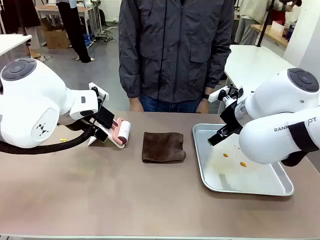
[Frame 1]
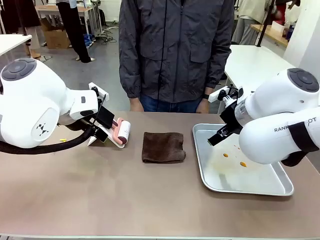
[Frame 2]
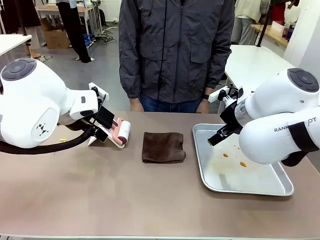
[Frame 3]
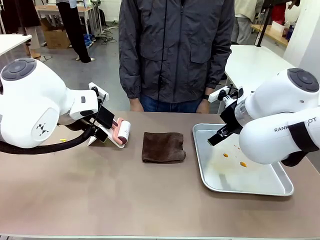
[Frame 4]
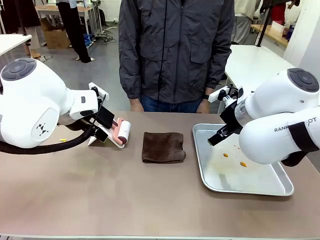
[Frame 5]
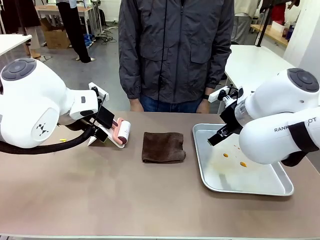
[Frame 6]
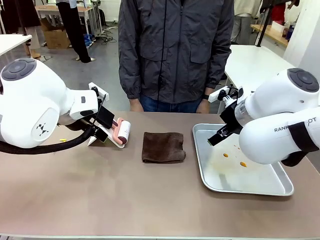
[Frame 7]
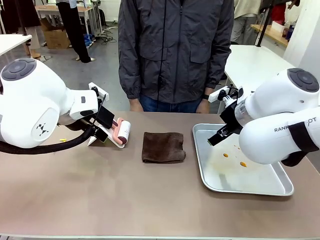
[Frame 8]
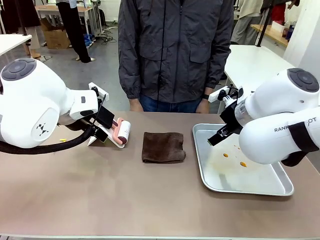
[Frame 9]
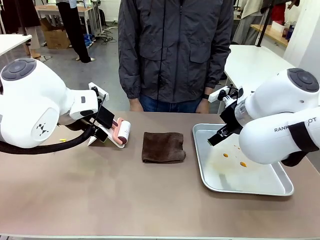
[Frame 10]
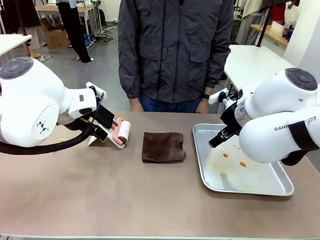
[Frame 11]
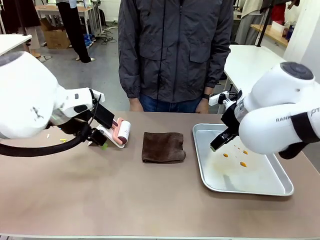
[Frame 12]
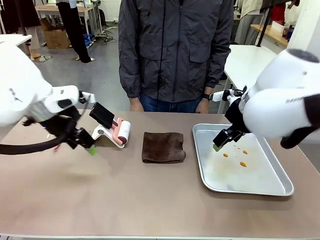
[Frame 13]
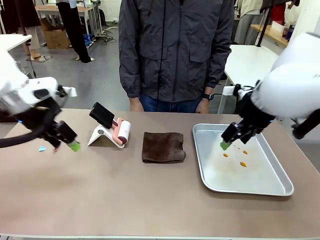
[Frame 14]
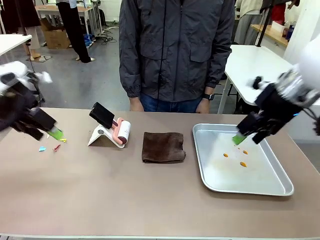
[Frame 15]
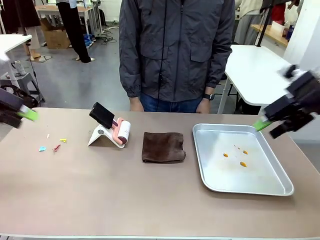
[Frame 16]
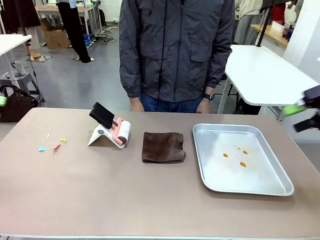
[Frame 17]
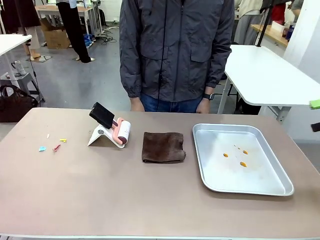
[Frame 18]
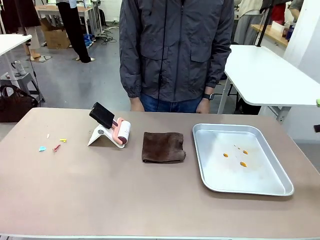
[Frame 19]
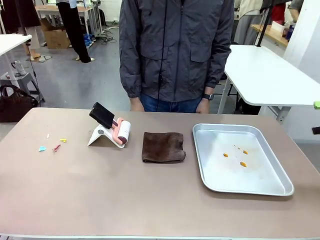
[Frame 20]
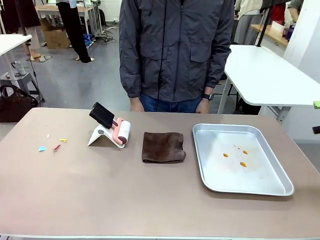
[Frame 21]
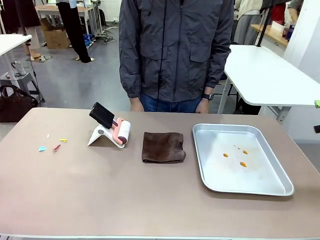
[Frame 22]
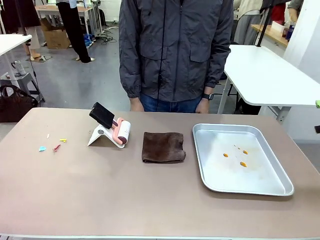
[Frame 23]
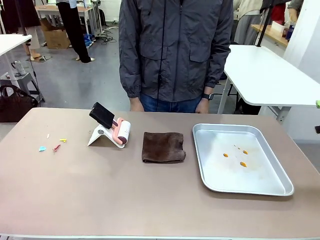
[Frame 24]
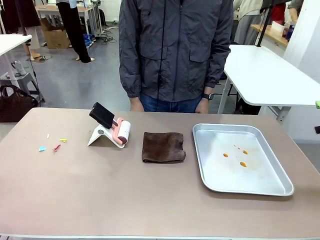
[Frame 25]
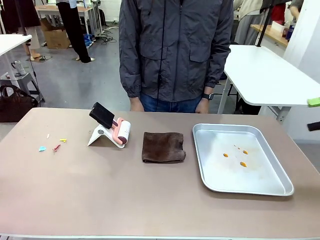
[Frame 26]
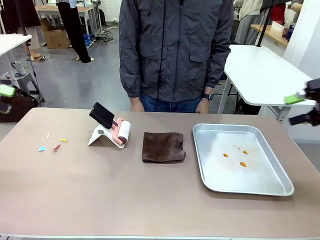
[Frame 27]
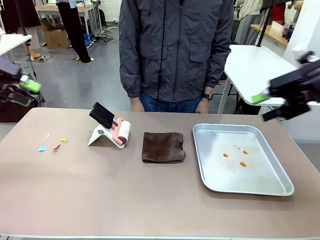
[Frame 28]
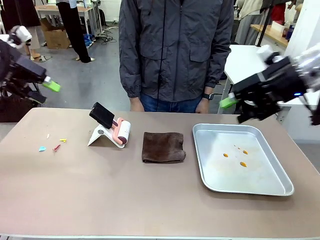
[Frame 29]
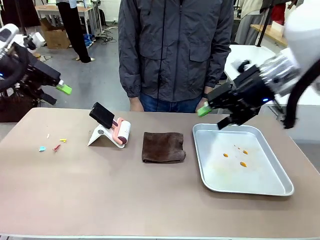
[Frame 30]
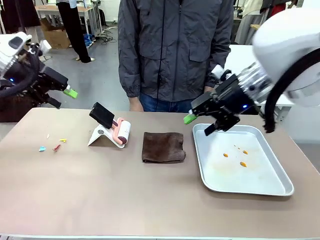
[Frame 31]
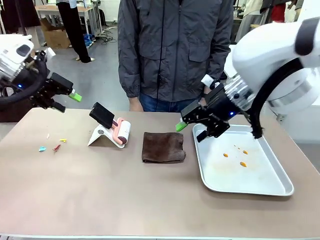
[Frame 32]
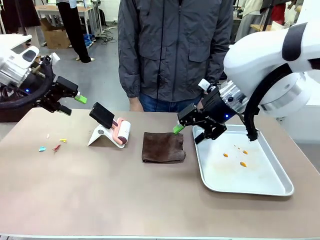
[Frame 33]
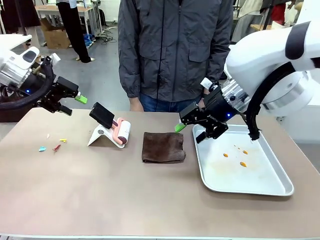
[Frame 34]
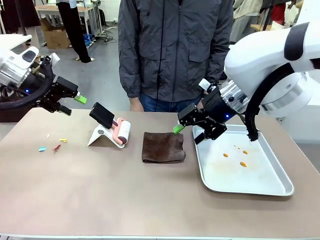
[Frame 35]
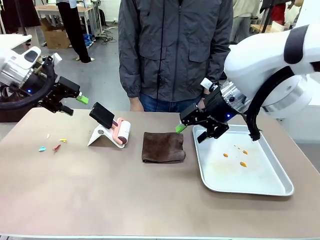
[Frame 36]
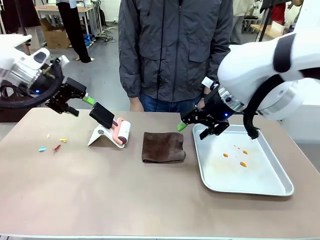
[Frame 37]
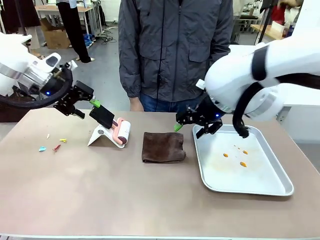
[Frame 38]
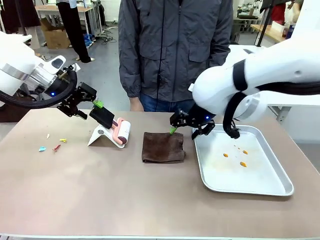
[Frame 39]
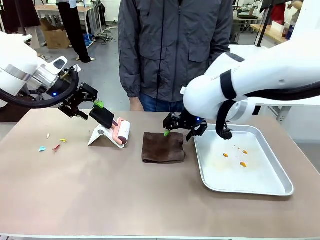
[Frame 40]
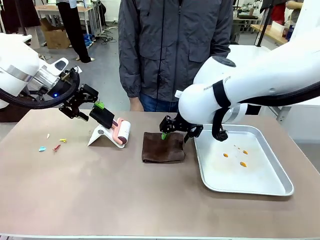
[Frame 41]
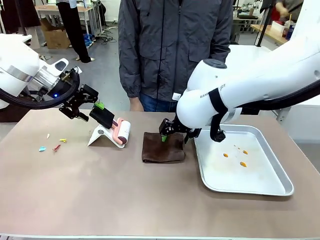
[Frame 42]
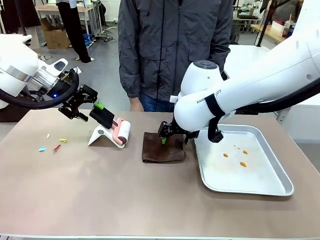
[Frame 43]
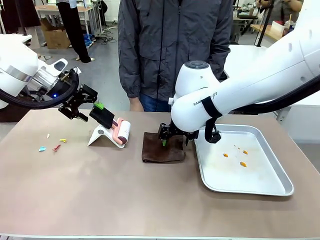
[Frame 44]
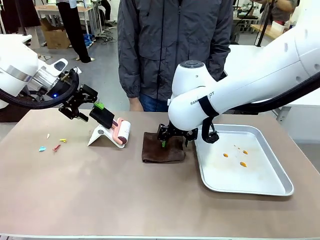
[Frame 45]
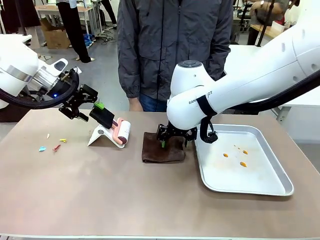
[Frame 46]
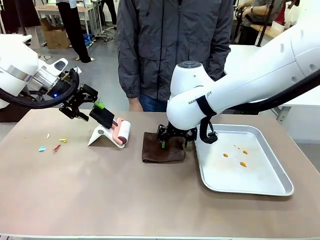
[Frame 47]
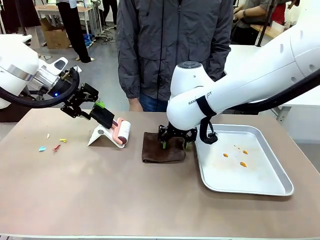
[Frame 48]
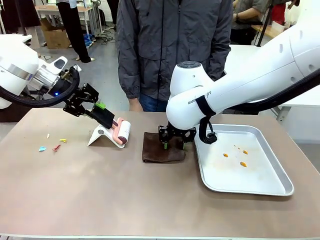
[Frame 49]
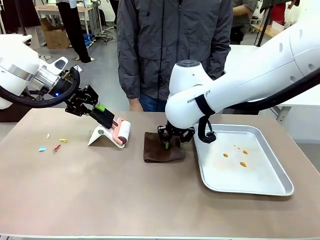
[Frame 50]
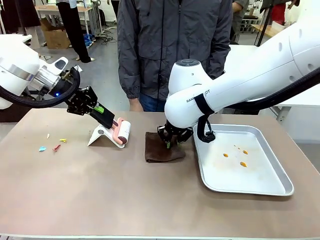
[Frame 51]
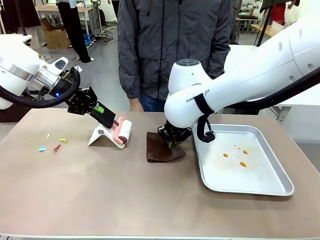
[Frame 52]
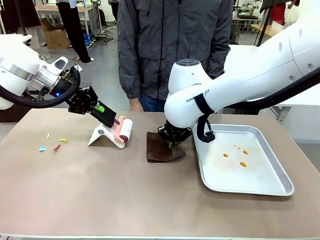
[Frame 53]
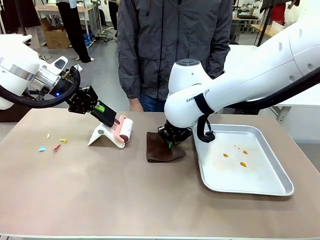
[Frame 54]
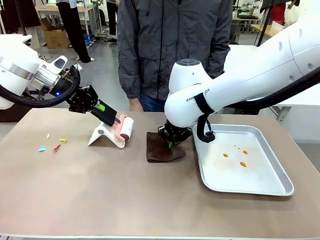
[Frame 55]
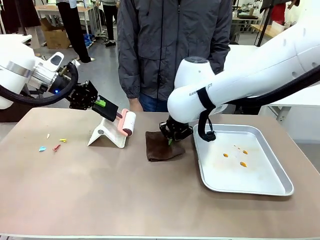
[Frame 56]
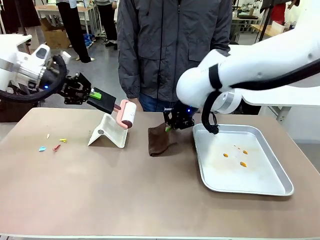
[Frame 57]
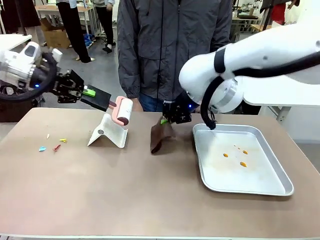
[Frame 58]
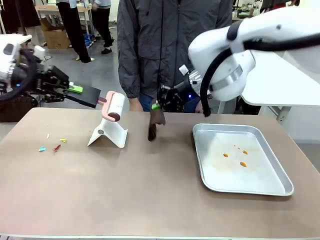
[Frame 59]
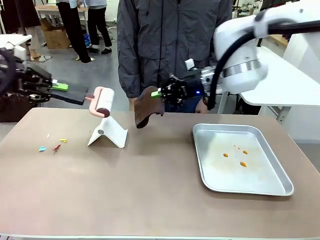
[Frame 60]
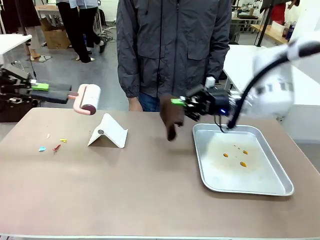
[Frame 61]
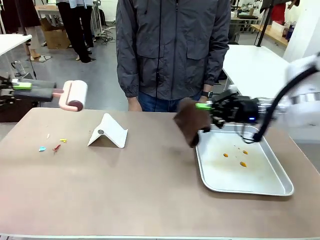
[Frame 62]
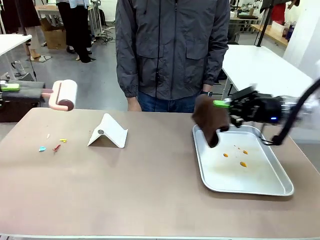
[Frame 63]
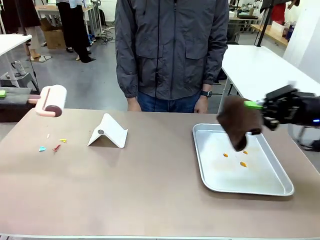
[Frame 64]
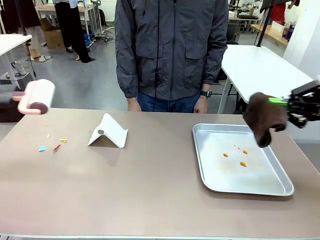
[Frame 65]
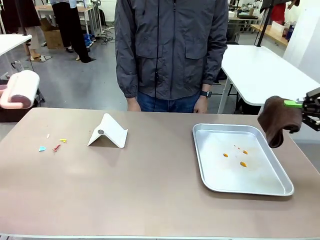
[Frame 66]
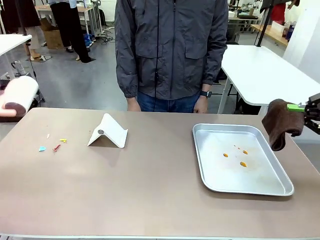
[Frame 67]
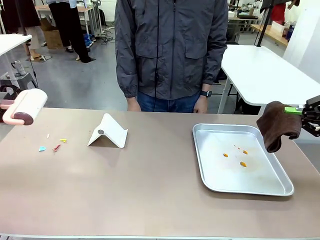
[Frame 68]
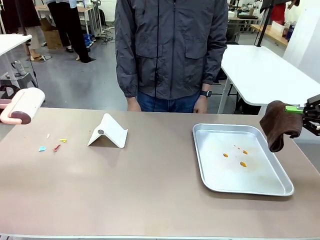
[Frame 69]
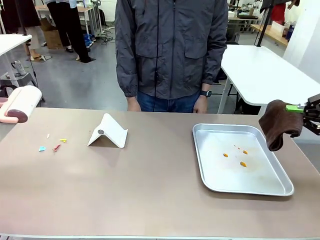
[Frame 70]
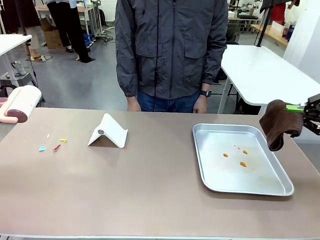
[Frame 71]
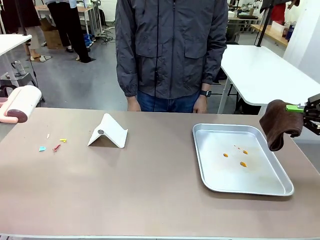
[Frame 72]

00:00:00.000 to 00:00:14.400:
Task: Clean the surface of the table.
Robot: Hold the Lint Roller with your left hand and the towel with your right hand.

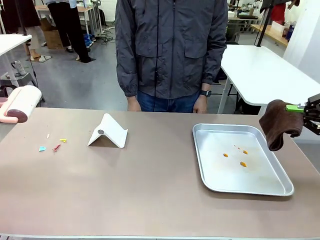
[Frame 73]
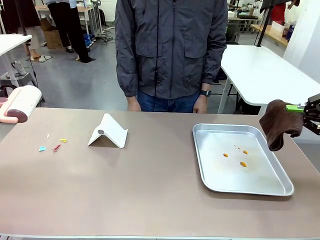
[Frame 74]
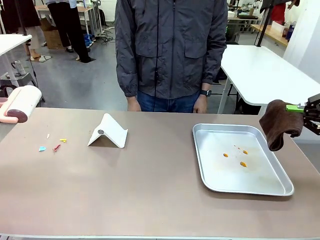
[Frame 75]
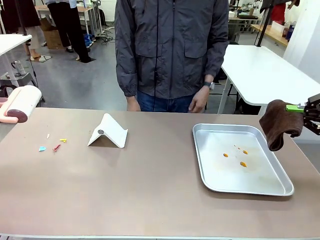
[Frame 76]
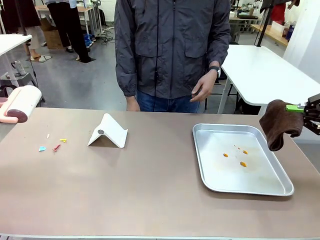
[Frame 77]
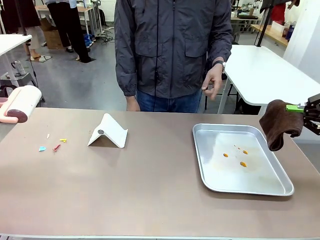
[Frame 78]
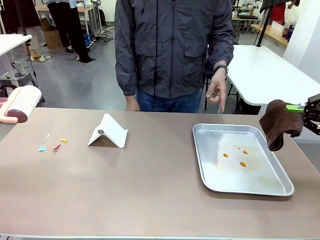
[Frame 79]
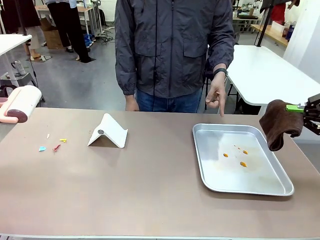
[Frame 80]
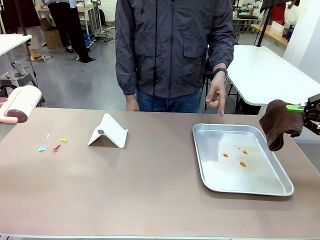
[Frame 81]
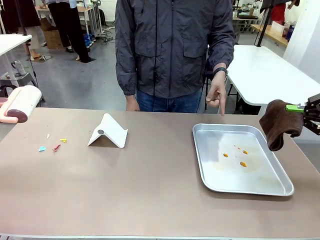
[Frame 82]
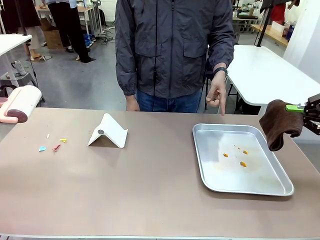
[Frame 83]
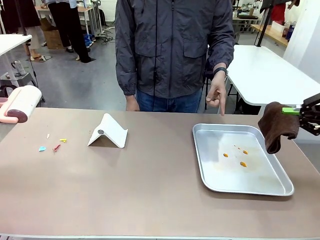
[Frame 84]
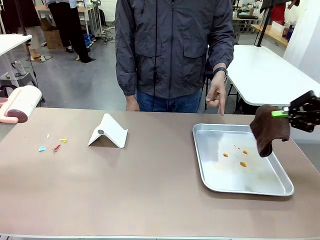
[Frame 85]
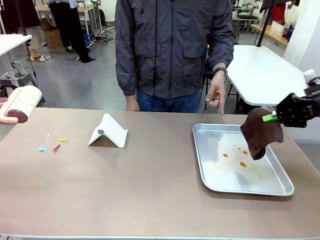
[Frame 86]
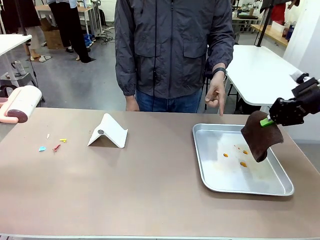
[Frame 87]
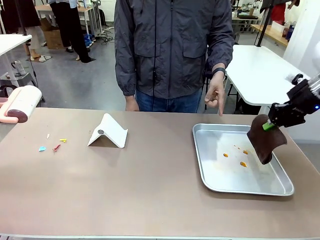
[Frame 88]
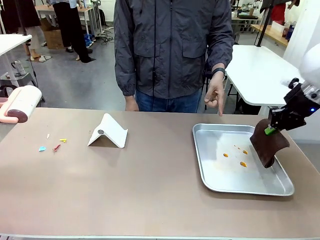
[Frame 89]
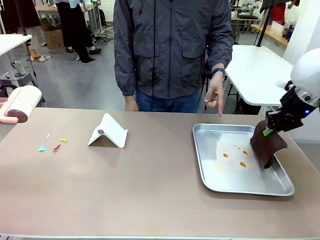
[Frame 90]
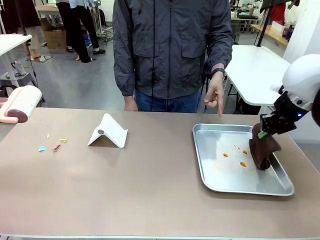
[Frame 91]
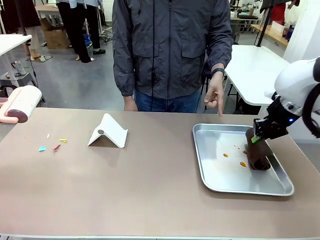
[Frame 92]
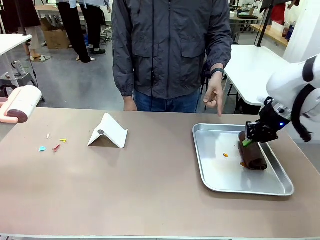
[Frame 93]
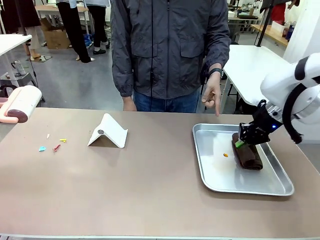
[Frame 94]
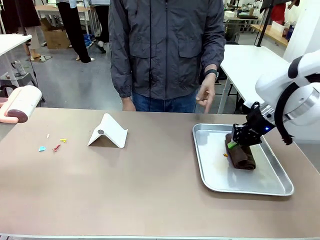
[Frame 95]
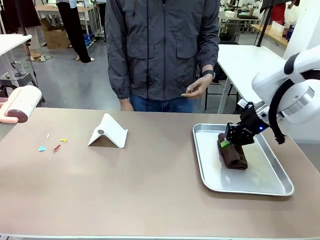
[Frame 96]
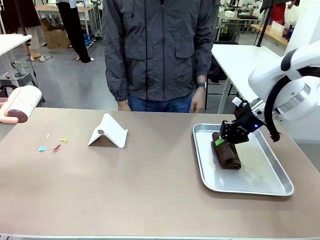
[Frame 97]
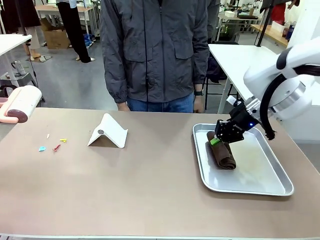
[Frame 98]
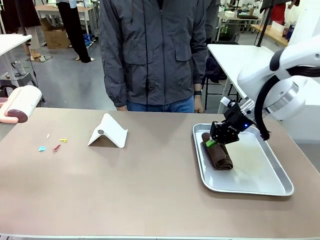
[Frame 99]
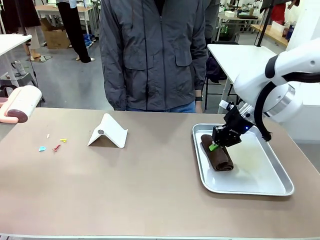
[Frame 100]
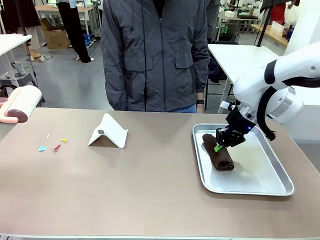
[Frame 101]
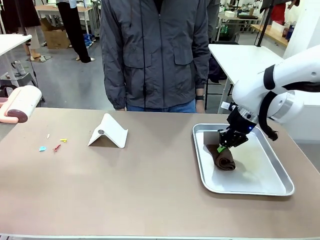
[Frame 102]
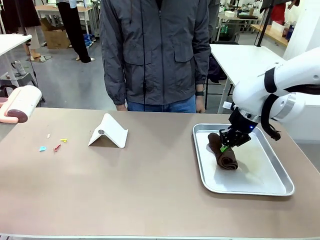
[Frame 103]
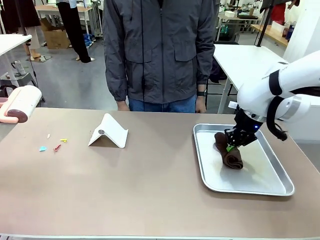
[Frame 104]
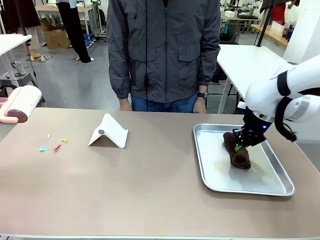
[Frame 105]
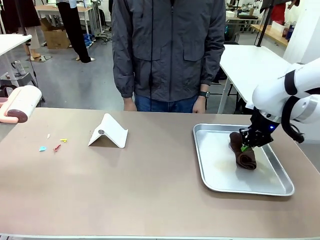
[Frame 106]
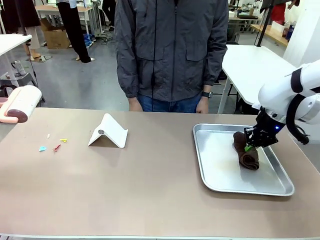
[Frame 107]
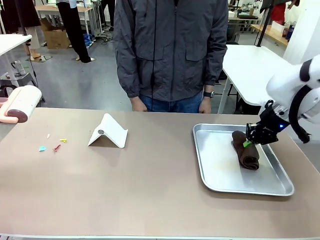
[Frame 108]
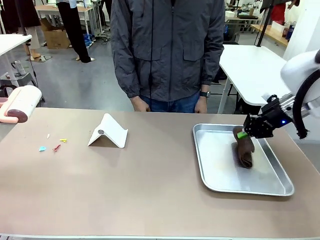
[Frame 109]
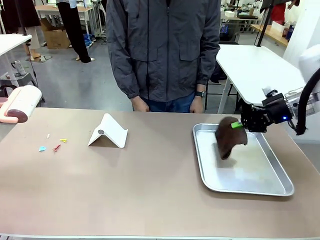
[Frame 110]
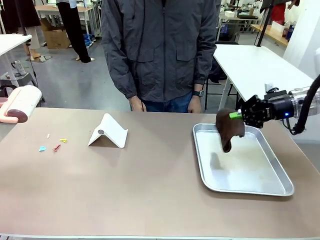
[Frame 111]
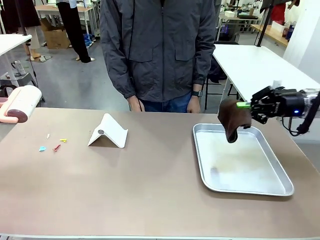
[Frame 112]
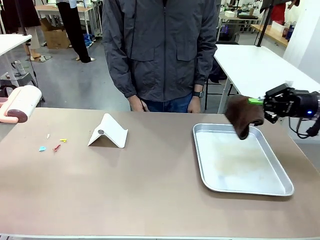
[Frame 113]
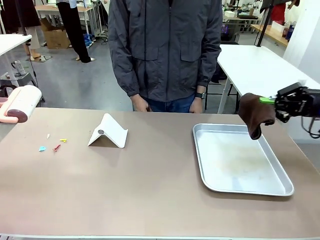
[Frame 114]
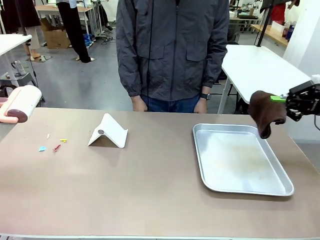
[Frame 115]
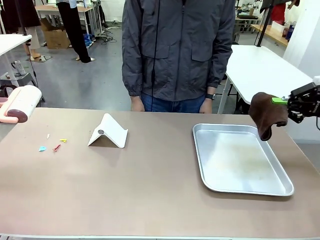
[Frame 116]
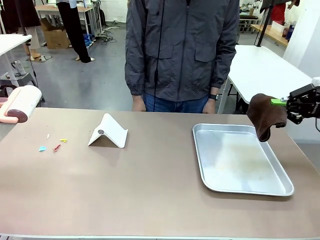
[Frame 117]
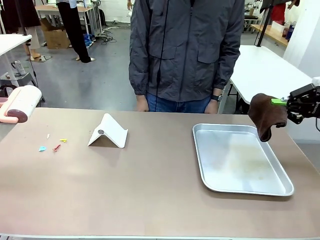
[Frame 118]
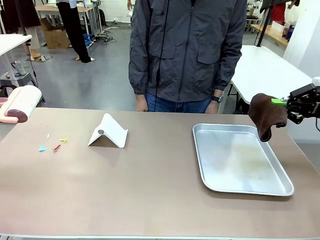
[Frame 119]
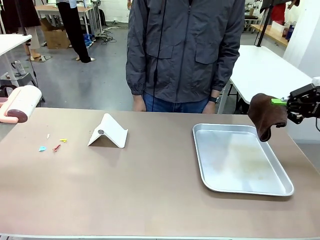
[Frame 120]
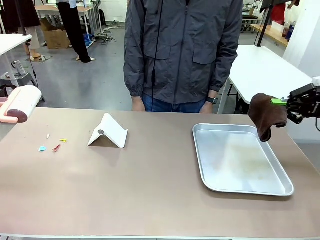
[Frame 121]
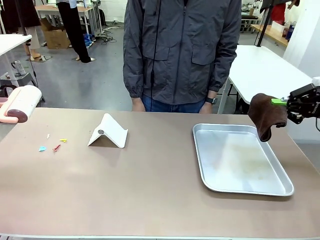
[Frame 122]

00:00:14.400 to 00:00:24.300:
Robot: If a person points to the right, clean the right side of the table with your right hand, and if they point to the left, clean the left side with your left hand.
